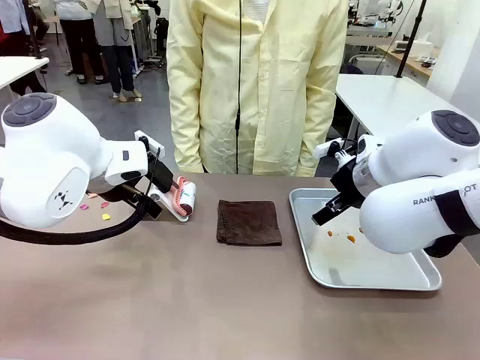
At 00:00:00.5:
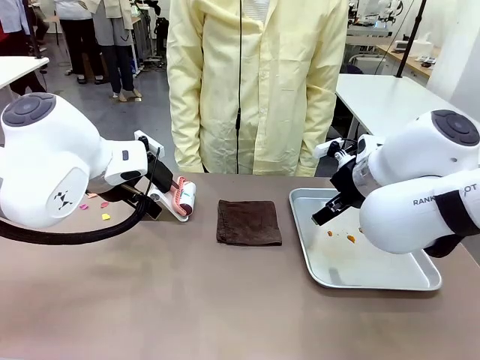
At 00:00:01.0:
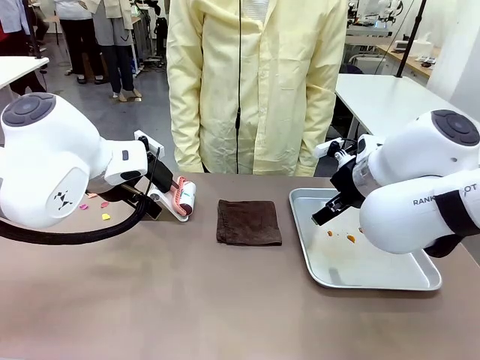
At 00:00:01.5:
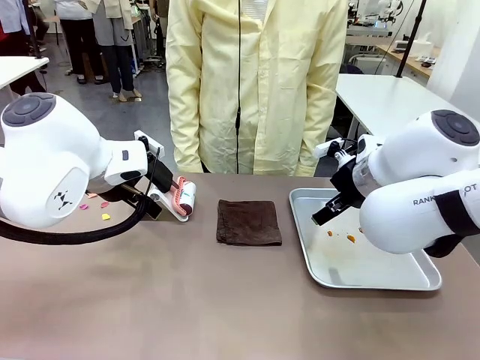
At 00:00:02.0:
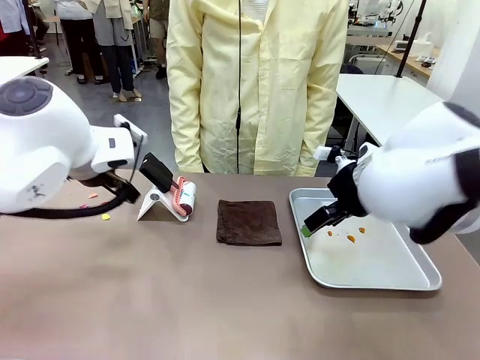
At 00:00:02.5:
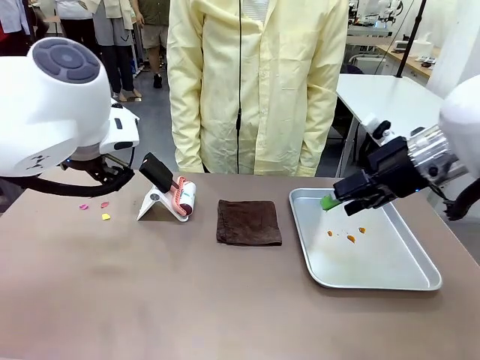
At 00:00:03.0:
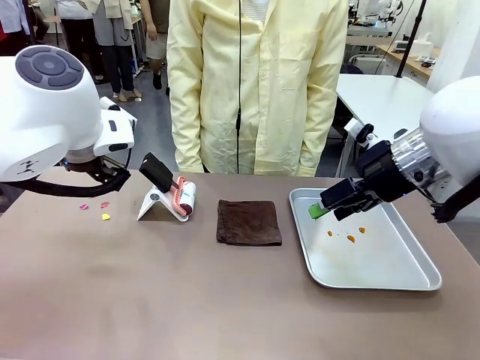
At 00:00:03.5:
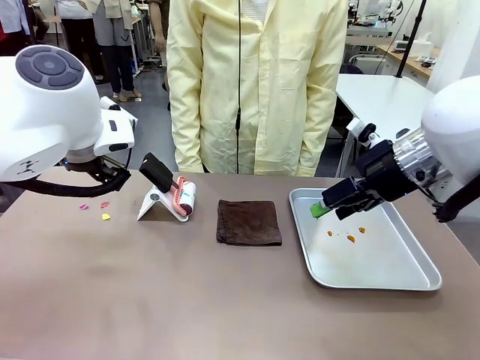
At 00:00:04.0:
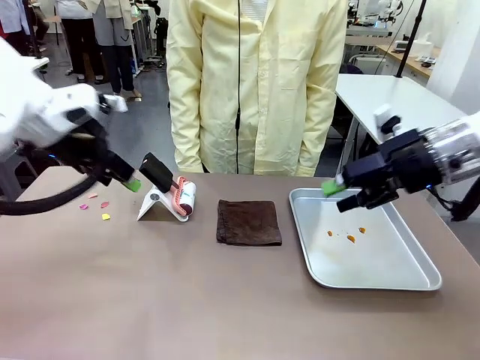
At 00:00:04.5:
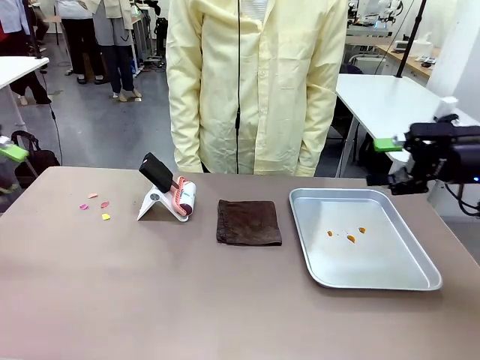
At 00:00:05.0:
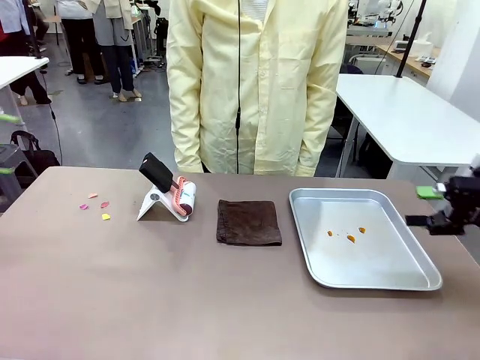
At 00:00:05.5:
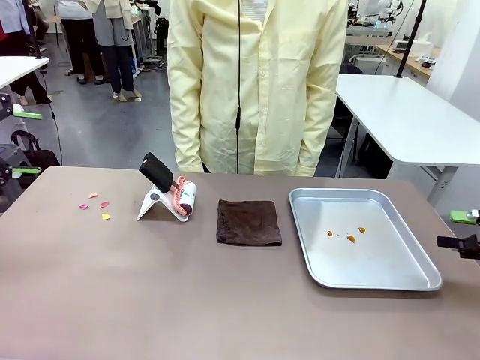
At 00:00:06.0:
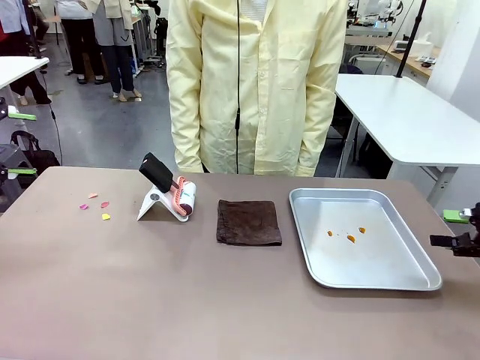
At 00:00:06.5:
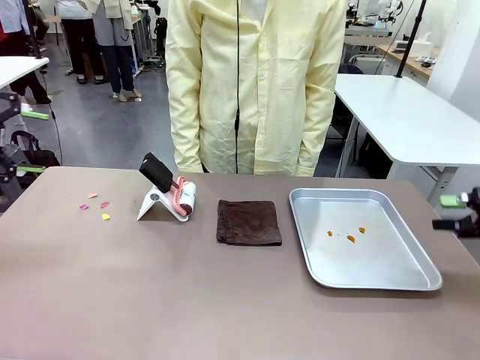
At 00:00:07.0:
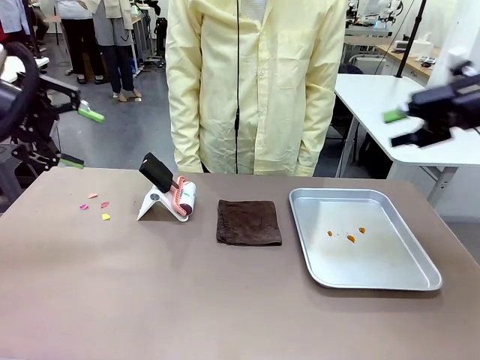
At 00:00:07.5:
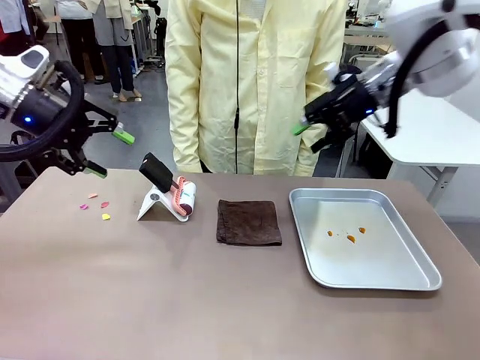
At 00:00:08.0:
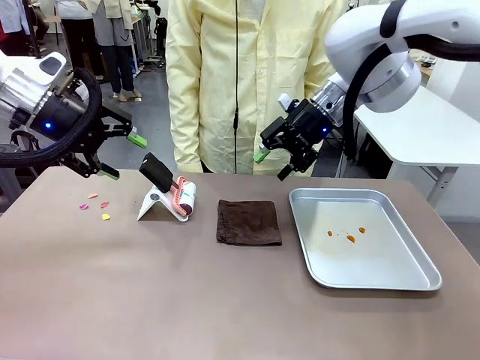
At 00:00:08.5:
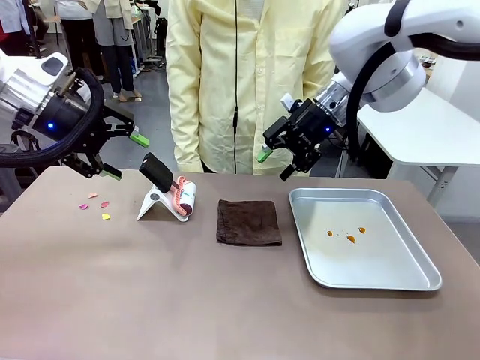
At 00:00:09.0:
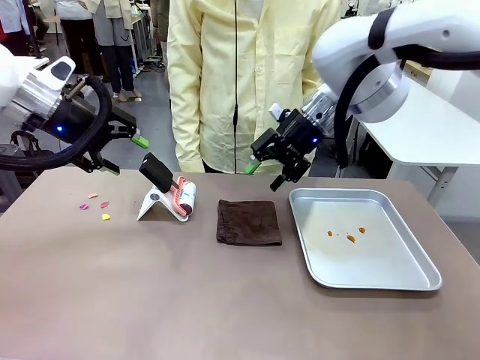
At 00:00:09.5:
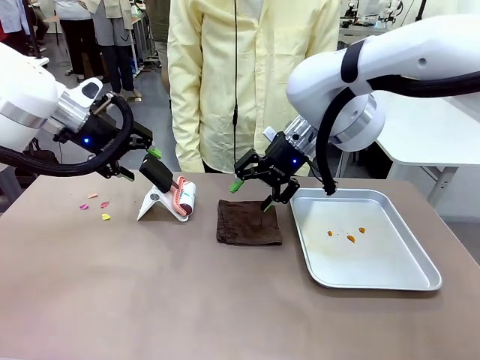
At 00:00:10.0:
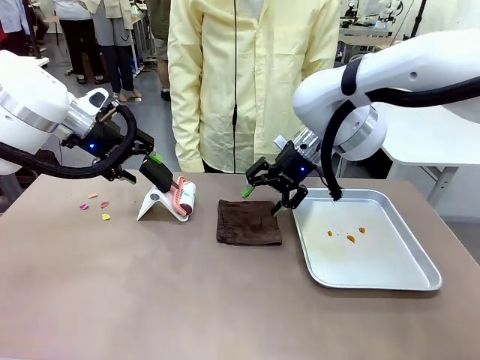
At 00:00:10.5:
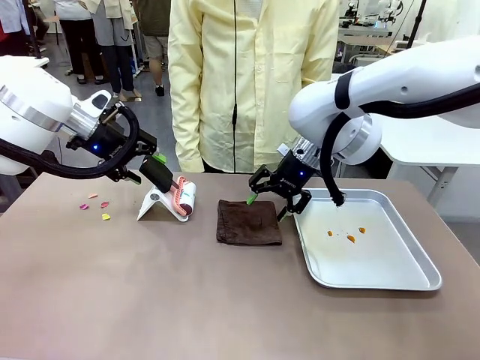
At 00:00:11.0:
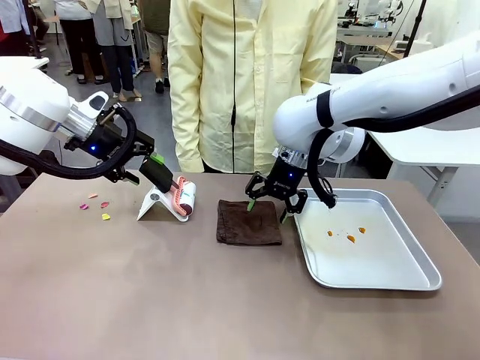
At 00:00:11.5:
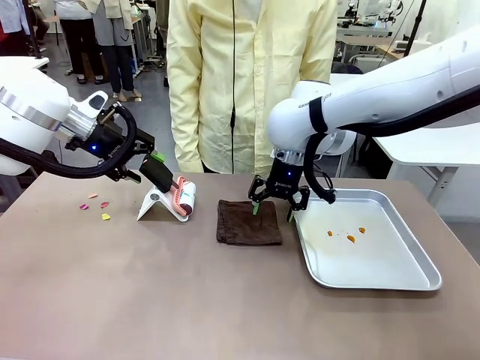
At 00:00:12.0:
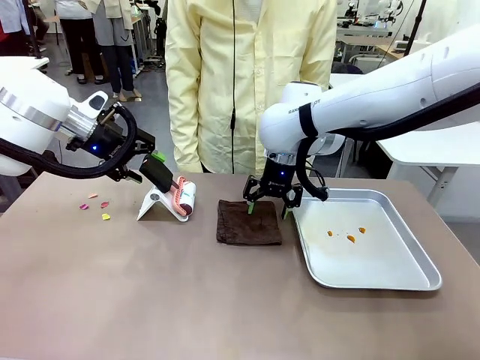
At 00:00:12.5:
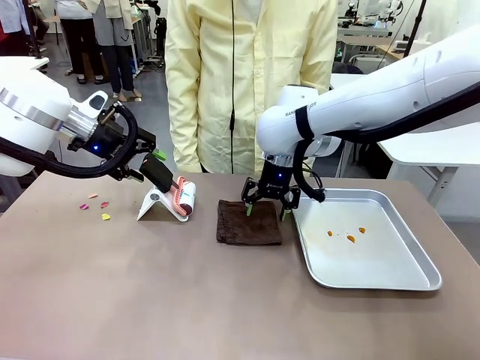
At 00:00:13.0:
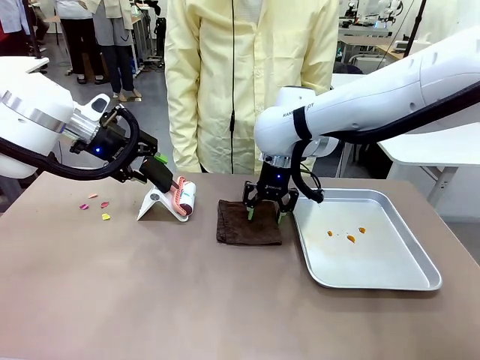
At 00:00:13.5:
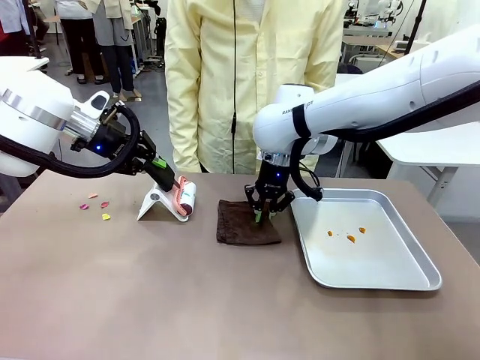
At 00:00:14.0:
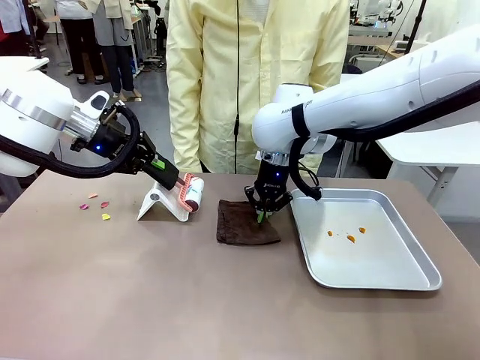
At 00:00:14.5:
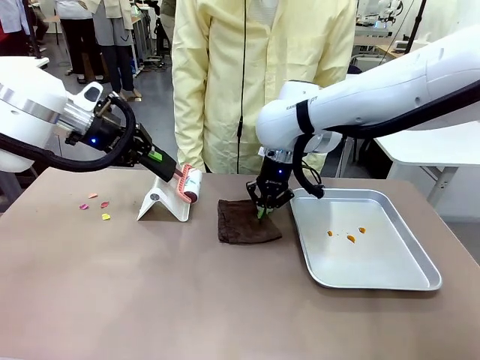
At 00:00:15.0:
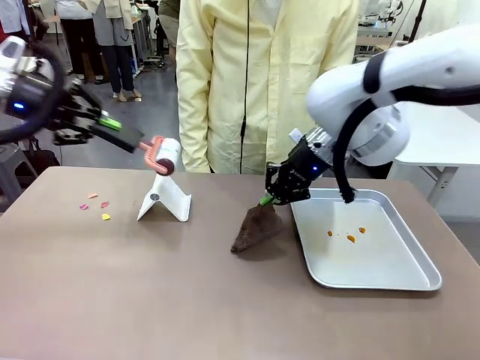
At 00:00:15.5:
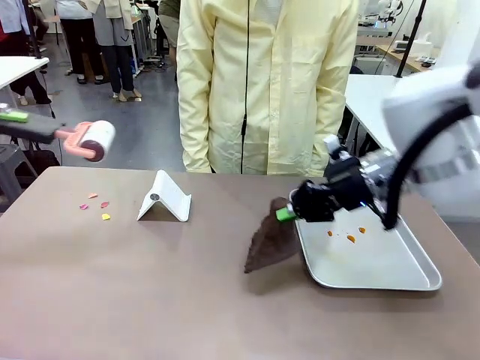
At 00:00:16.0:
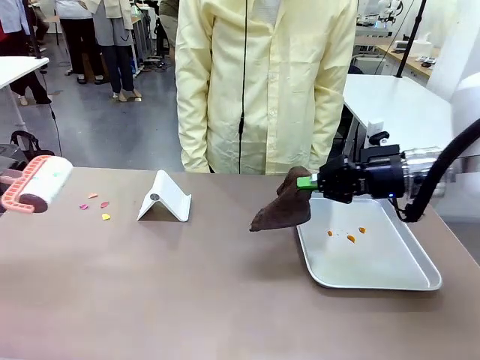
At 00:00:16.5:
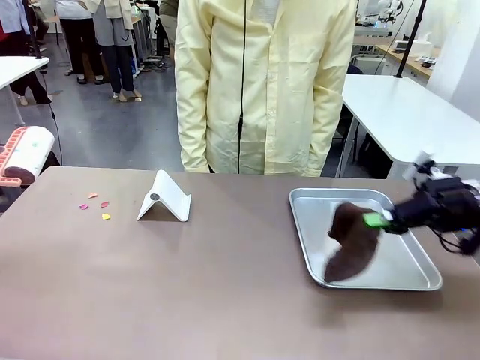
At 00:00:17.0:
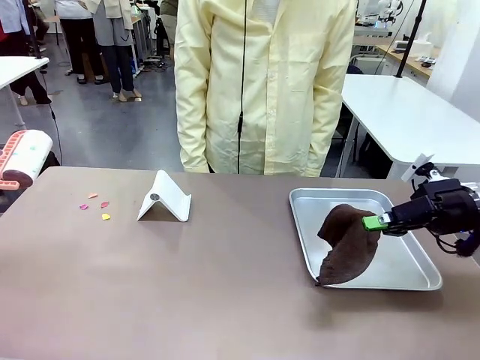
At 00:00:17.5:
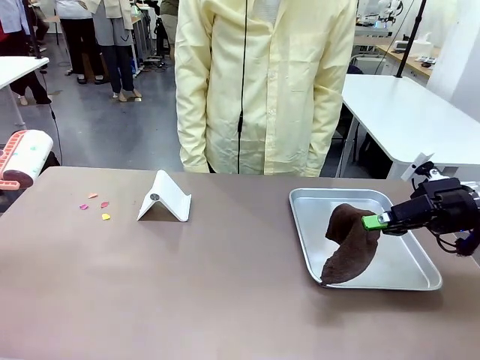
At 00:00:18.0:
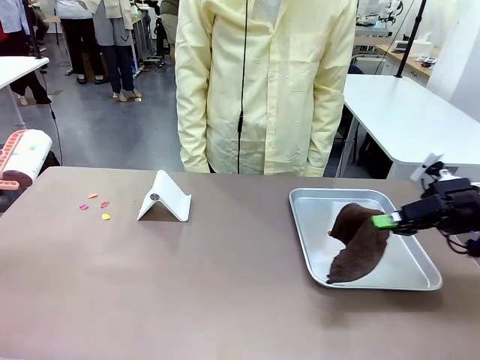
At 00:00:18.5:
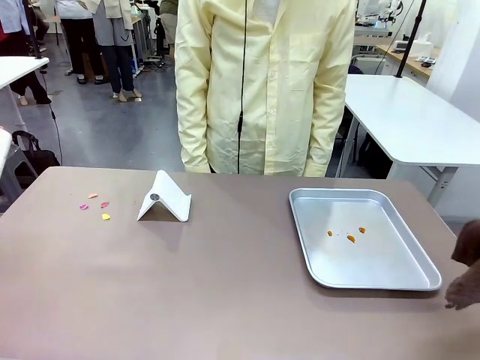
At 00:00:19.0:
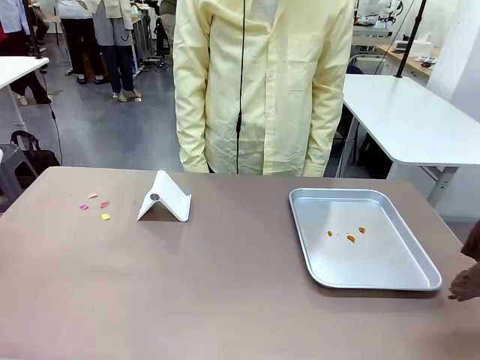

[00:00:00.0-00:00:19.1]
Task: Clean the surface of the table.
Robot: Hold the Lint Roller with your left hand and the towel with your right hand.

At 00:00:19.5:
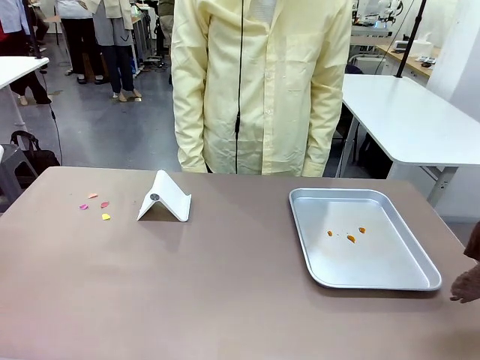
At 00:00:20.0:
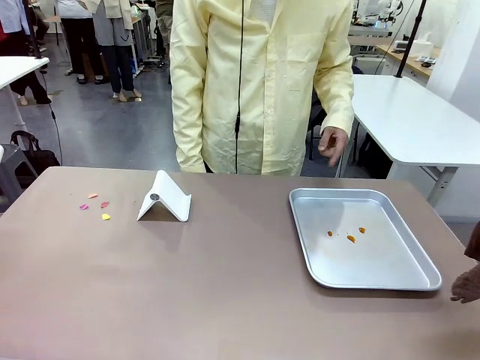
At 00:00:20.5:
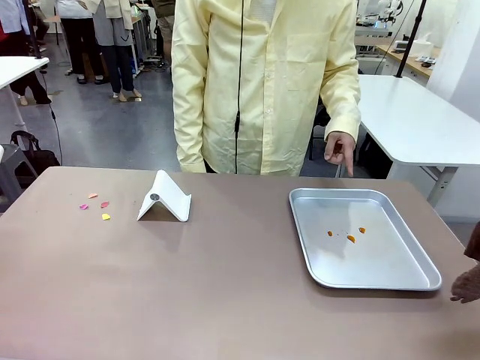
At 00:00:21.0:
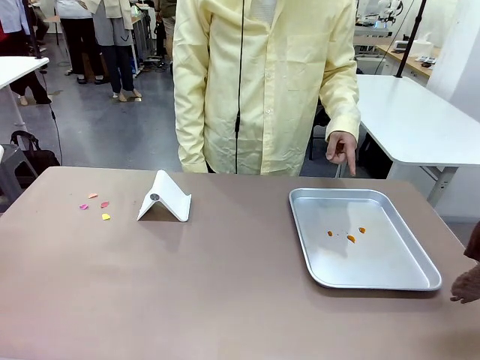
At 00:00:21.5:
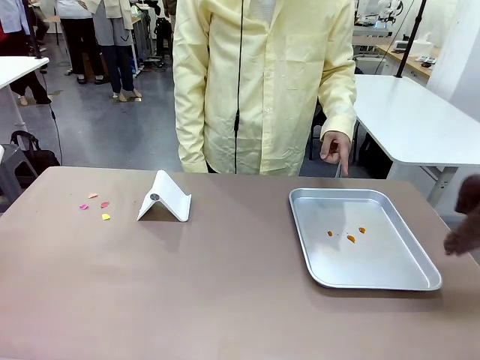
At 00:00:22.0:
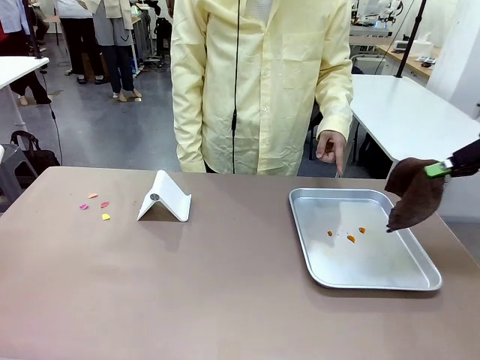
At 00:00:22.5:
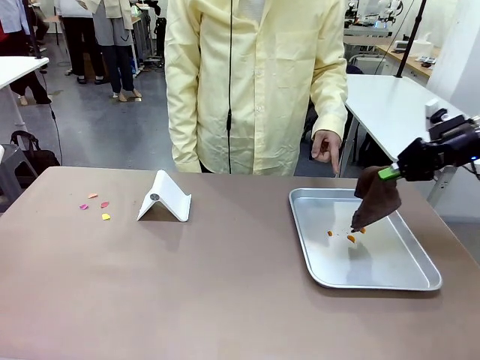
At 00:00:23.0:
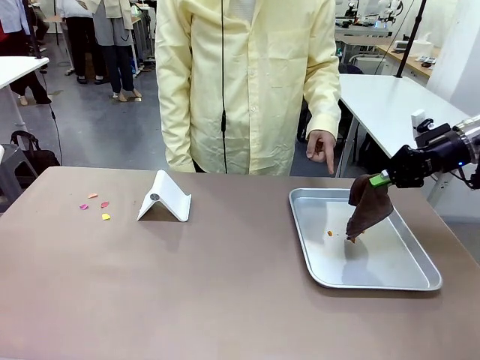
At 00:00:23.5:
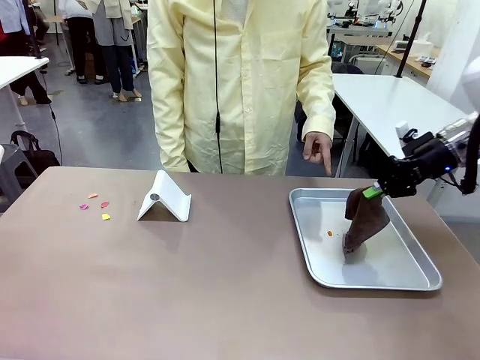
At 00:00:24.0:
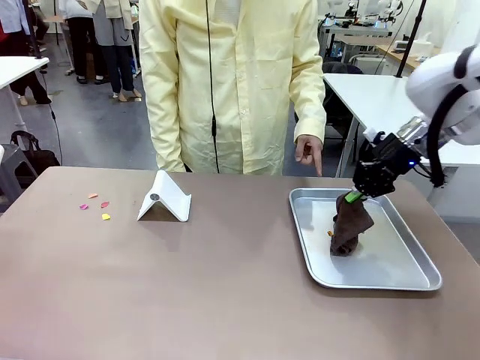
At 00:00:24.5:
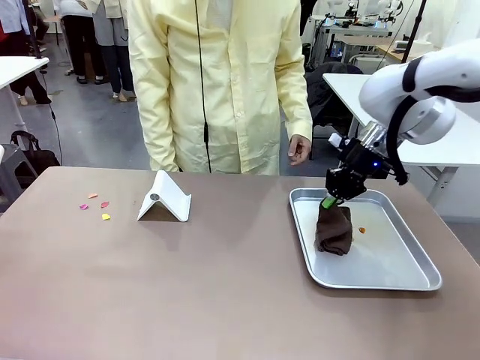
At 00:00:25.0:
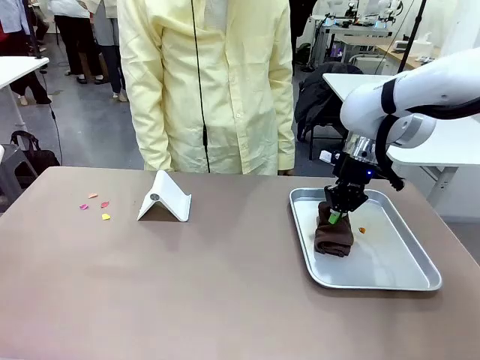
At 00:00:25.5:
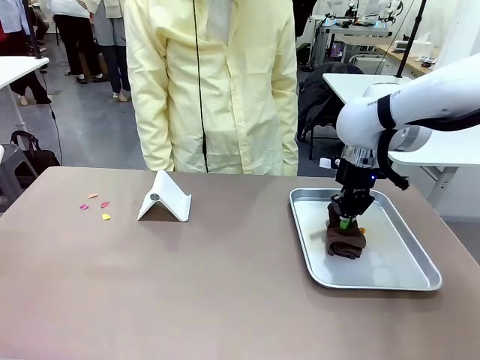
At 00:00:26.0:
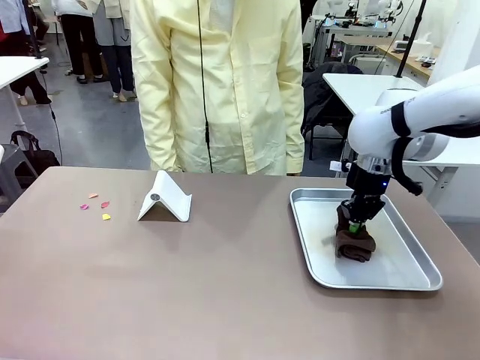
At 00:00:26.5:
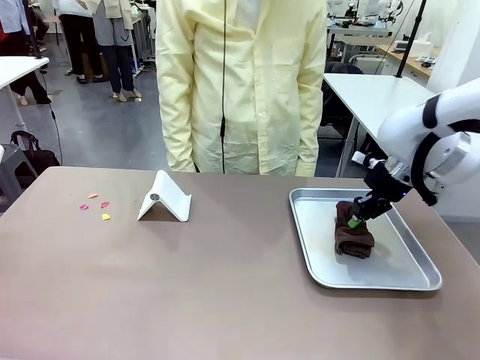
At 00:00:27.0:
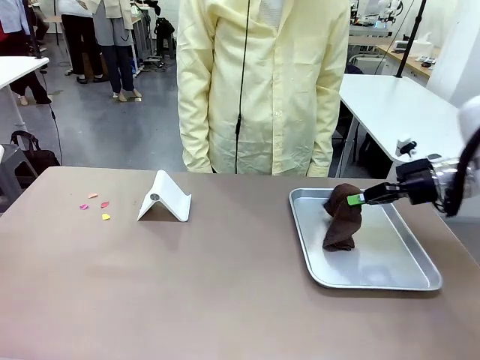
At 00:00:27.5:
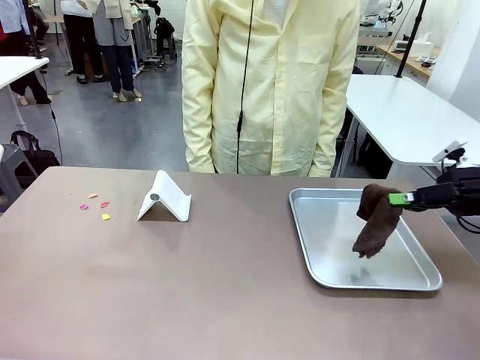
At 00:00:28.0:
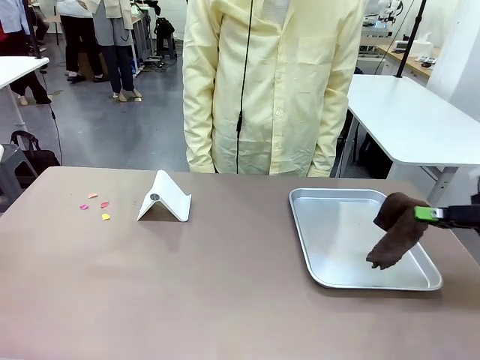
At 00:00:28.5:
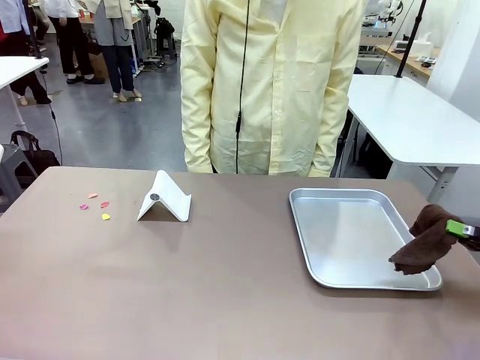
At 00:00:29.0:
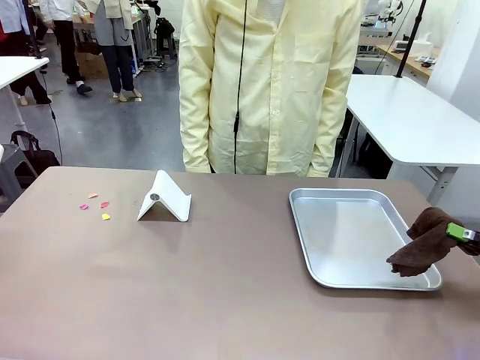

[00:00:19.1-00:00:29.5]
Robot: If a person points to the right, clean the right side of the table with your right hand, and if they point to the left, clean the left side with your left hand.
